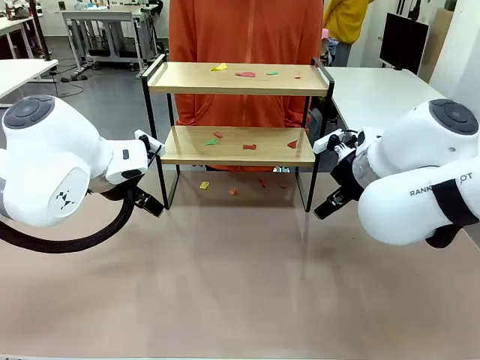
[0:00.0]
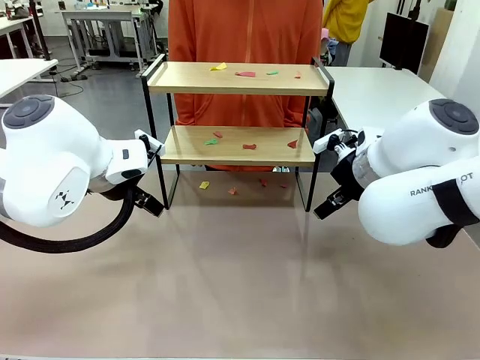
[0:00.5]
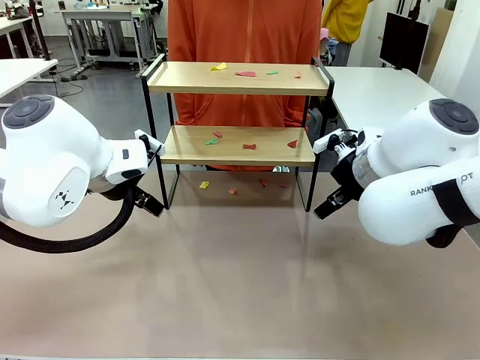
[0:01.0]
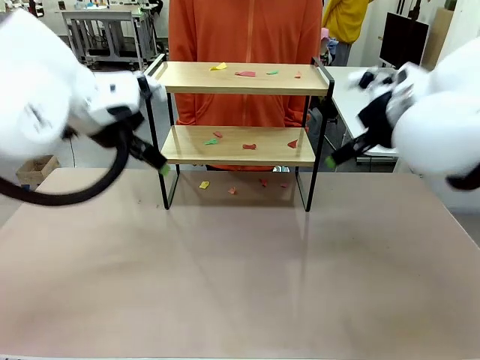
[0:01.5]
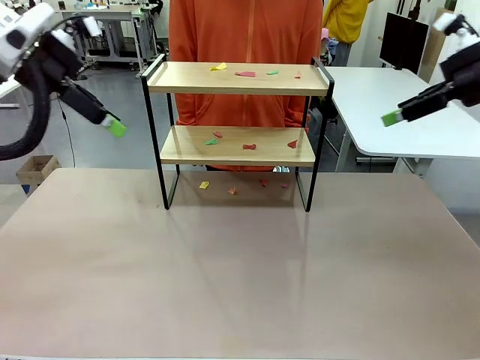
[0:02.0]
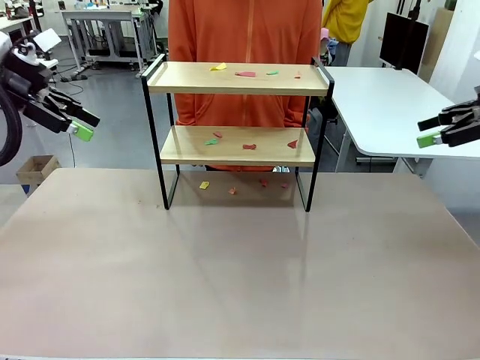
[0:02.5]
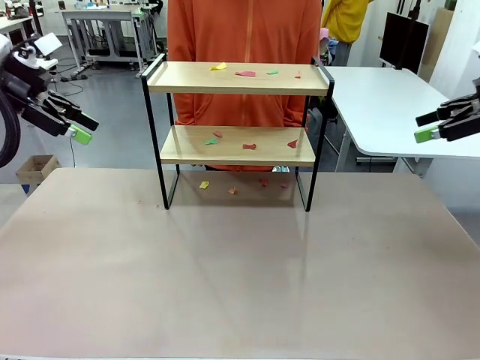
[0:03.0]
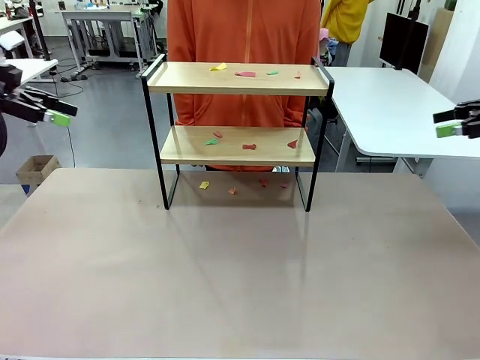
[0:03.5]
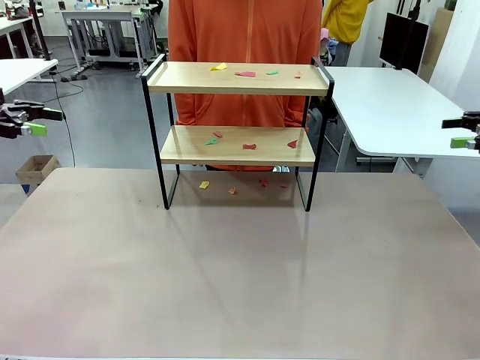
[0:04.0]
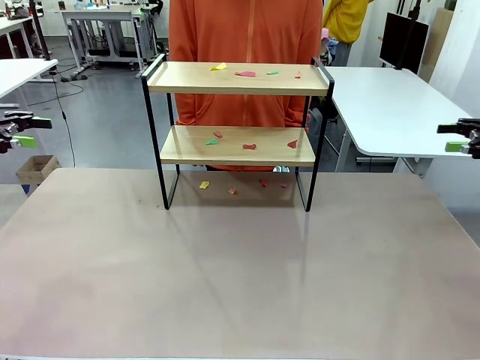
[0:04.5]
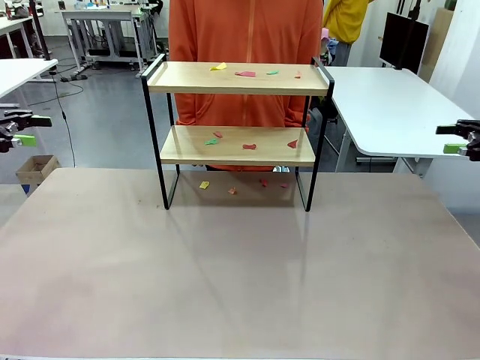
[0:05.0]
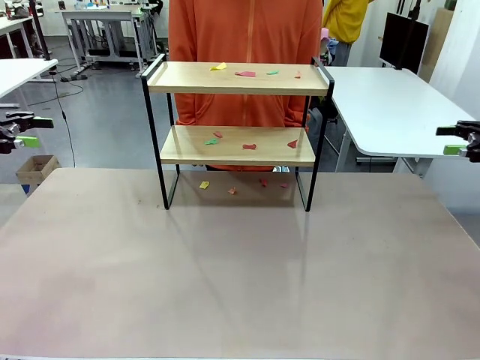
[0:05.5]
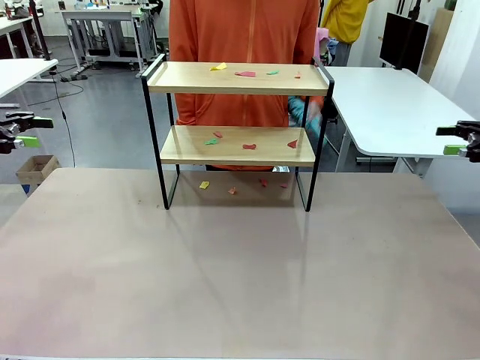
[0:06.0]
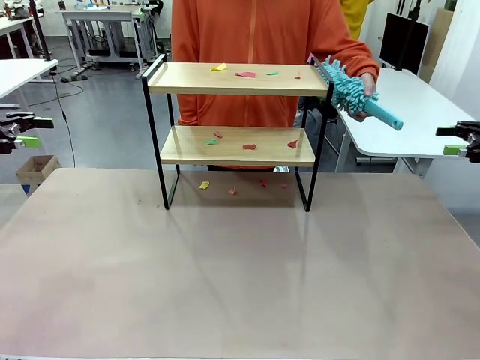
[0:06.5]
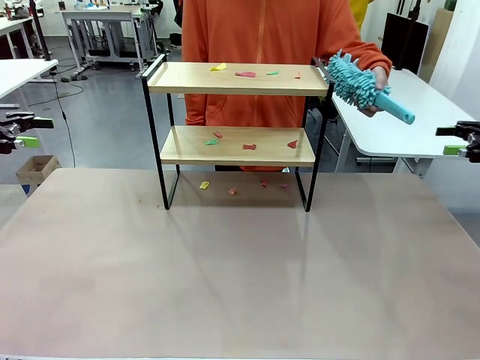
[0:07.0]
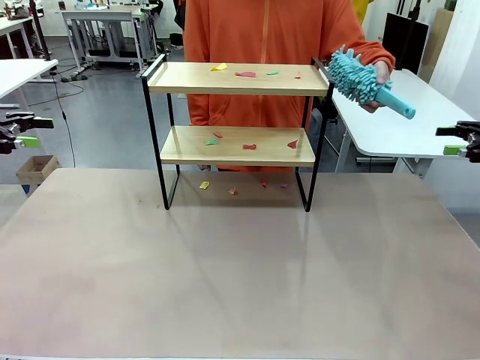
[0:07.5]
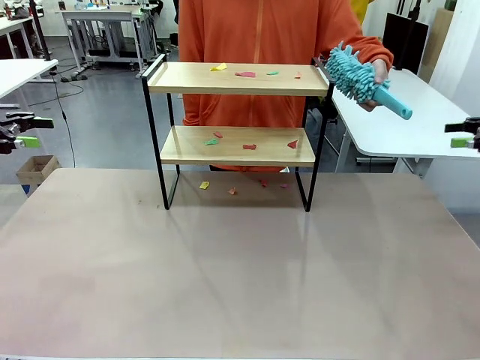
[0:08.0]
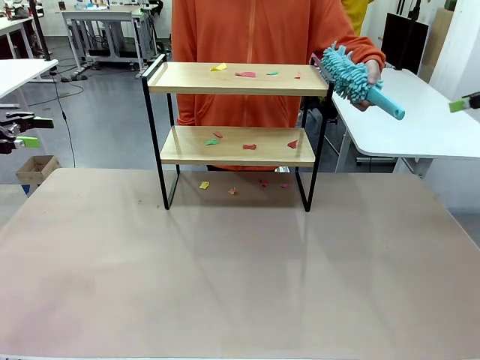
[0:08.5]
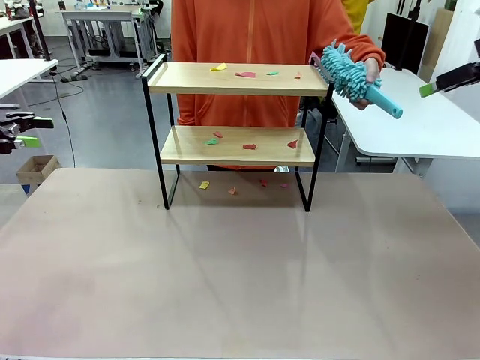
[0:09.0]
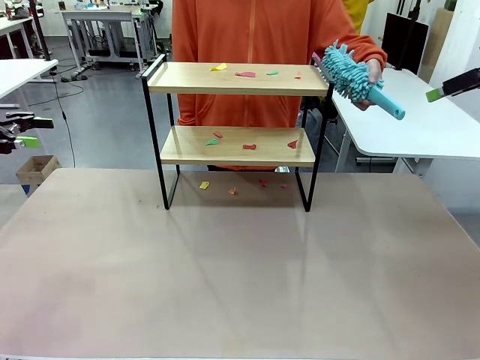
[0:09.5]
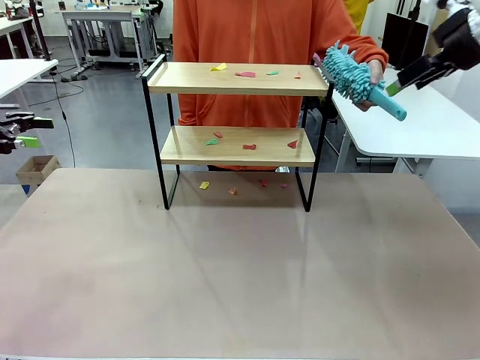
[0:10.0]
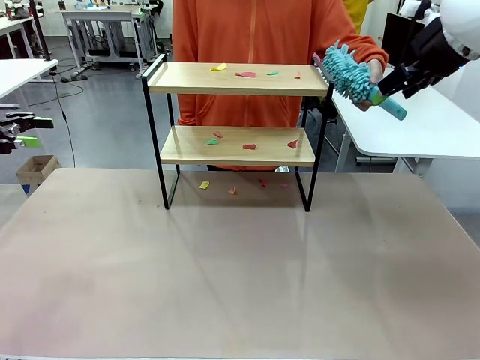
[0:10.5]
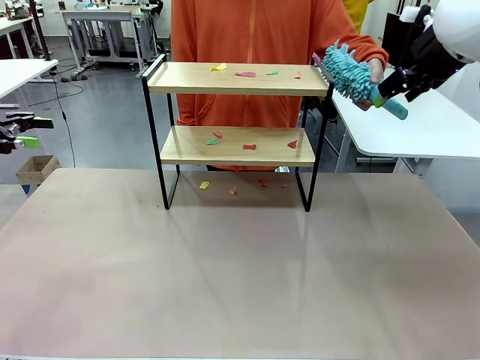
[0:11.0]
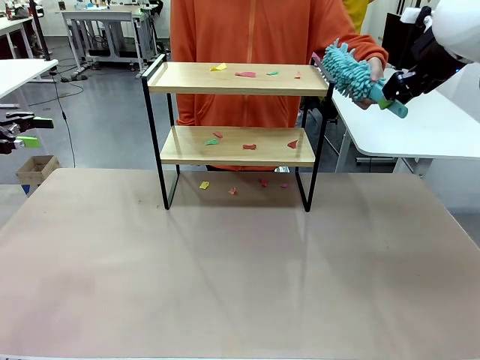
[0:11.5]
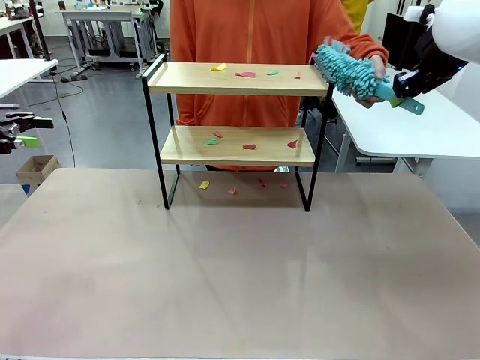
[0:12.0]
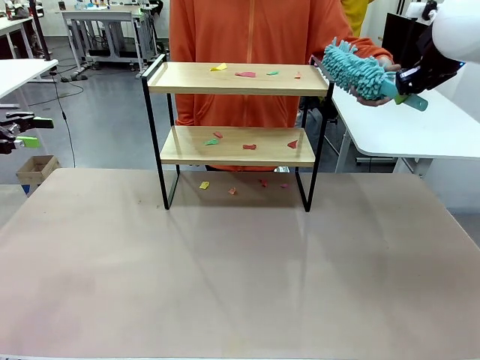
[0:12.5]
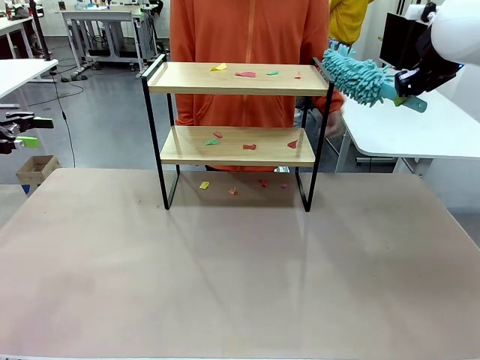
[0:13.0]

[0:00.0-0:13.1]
Task: Clean the shelf.
Robot: Pick up the Duster handed by the human.
Person: Hand the Duster to the robot.

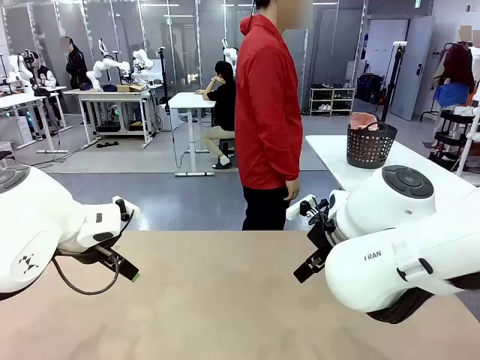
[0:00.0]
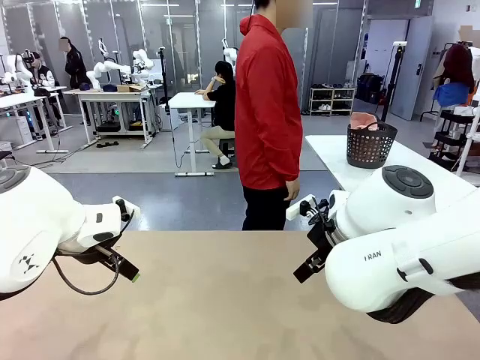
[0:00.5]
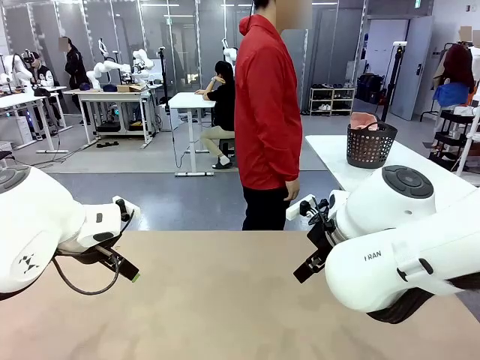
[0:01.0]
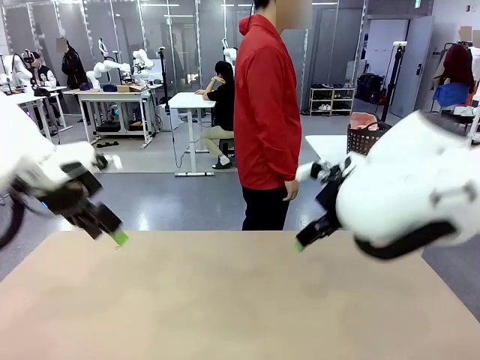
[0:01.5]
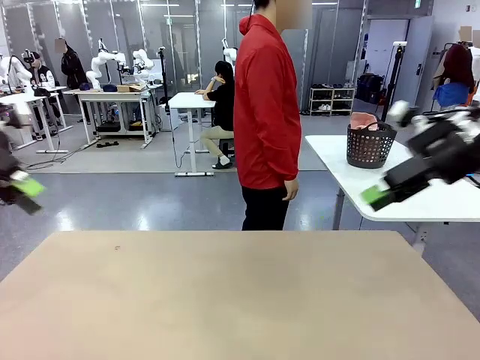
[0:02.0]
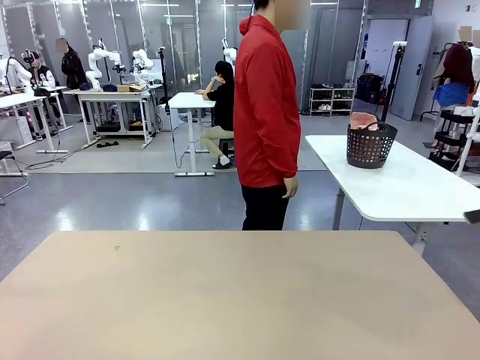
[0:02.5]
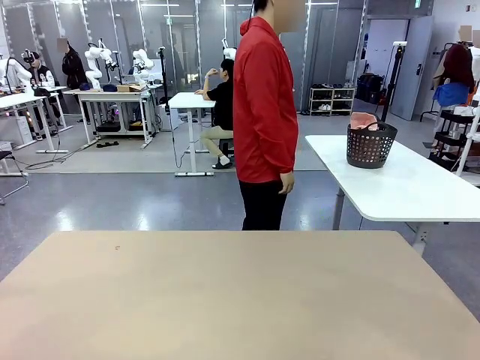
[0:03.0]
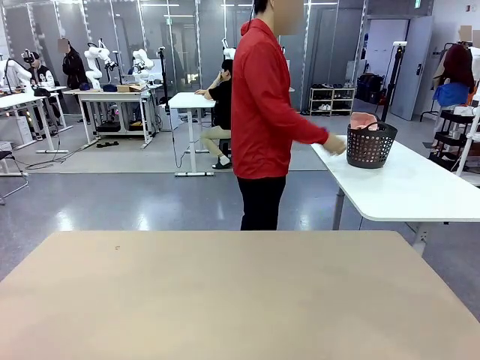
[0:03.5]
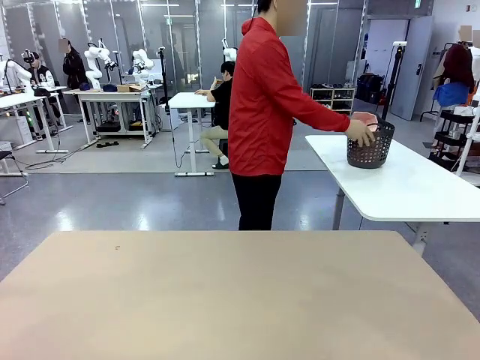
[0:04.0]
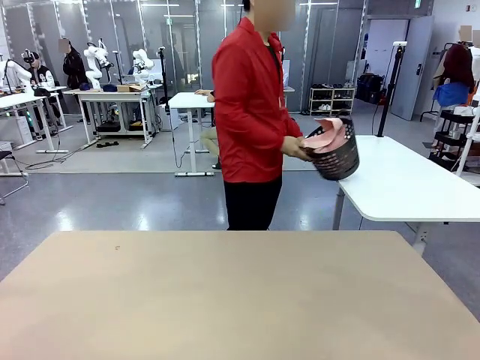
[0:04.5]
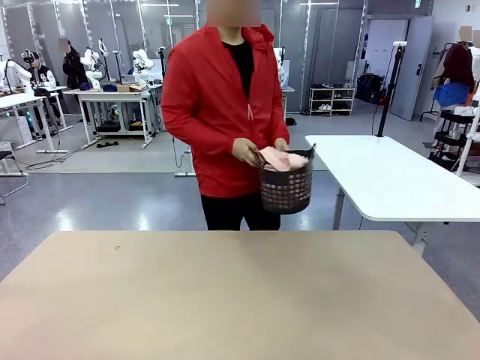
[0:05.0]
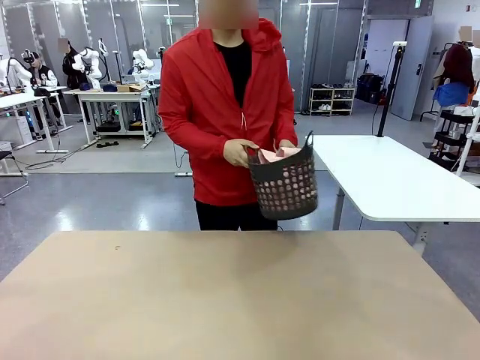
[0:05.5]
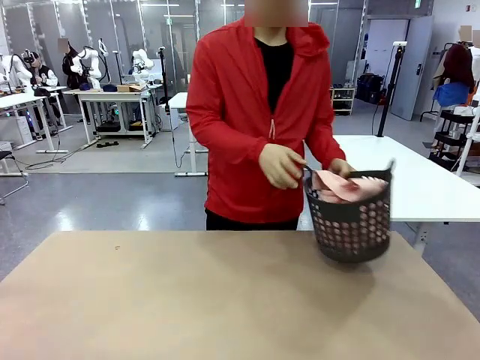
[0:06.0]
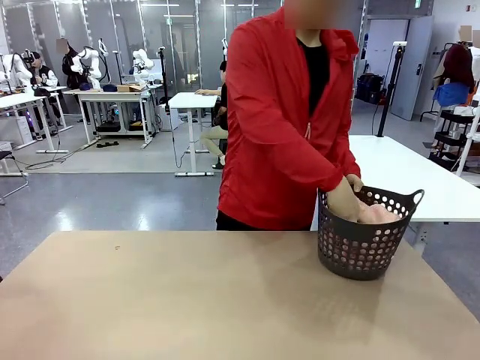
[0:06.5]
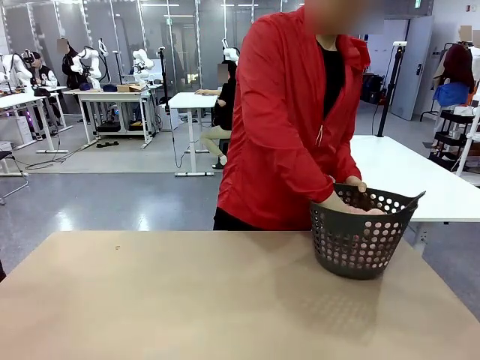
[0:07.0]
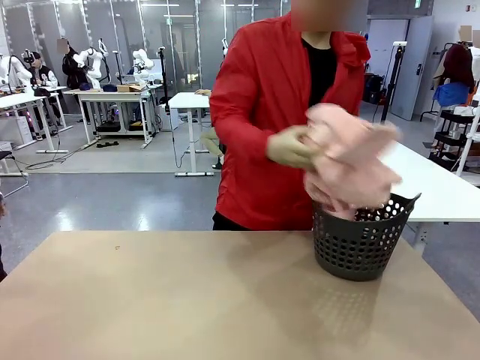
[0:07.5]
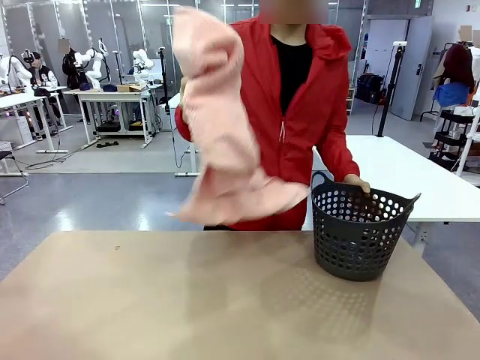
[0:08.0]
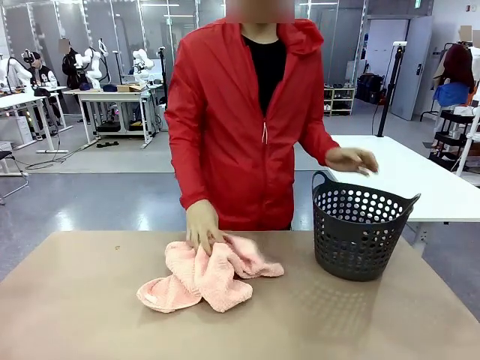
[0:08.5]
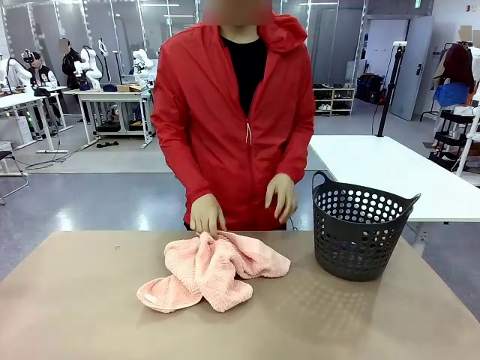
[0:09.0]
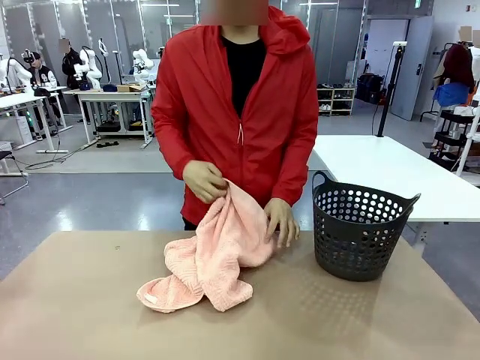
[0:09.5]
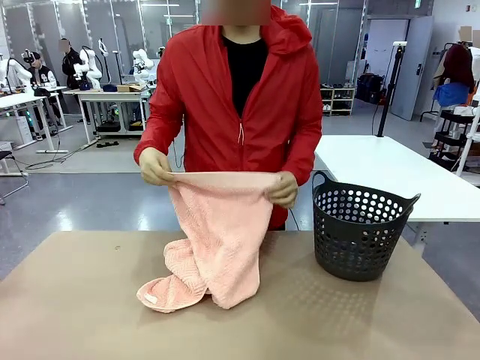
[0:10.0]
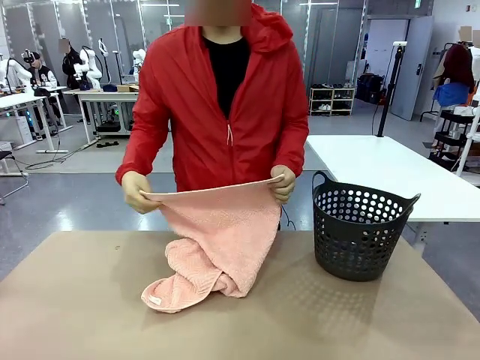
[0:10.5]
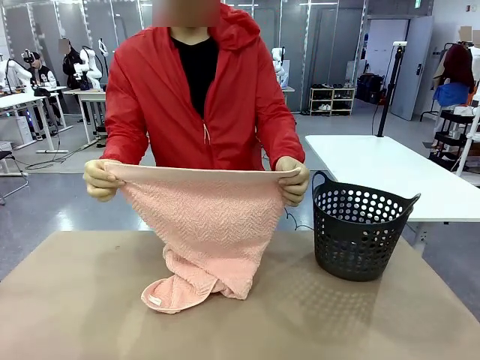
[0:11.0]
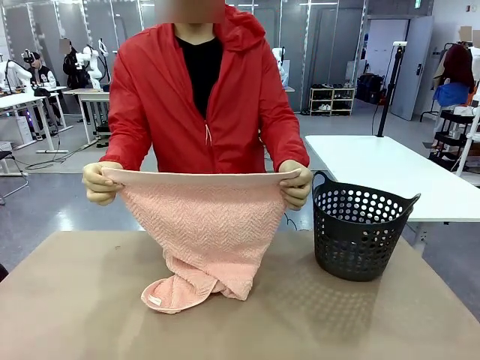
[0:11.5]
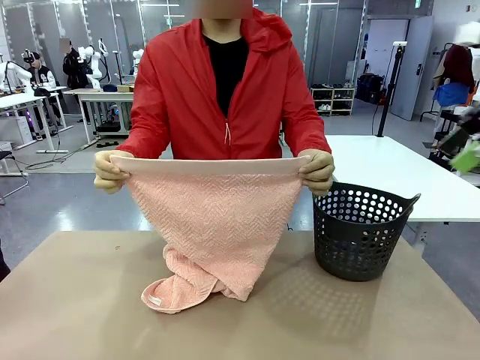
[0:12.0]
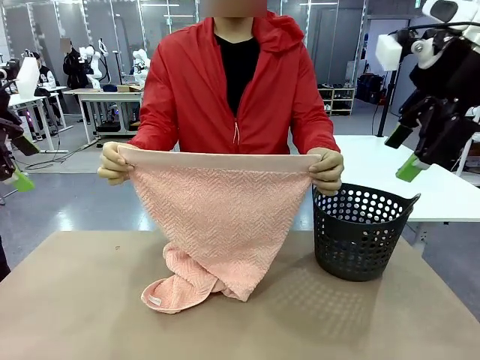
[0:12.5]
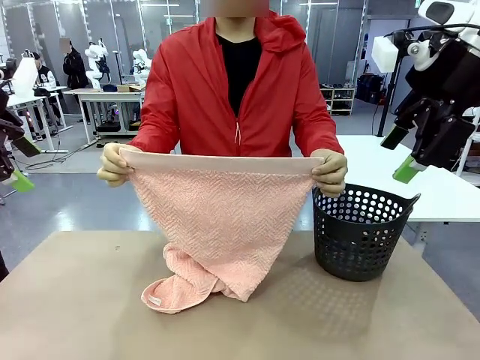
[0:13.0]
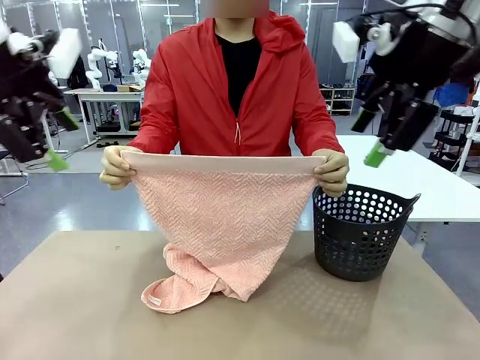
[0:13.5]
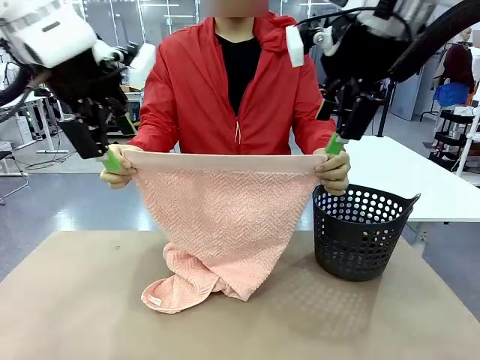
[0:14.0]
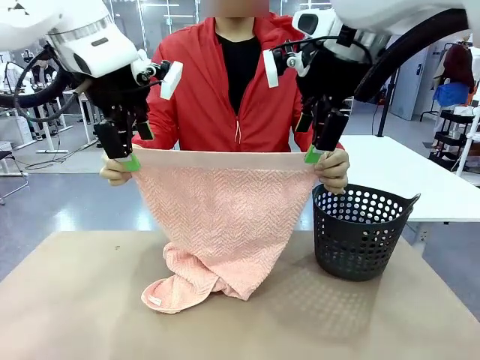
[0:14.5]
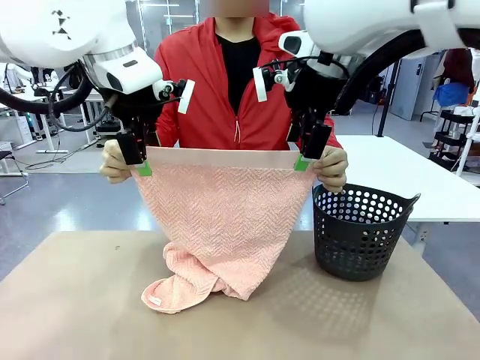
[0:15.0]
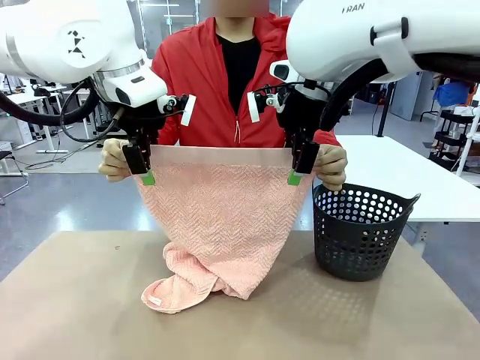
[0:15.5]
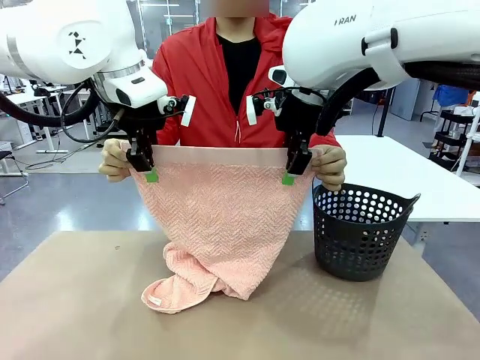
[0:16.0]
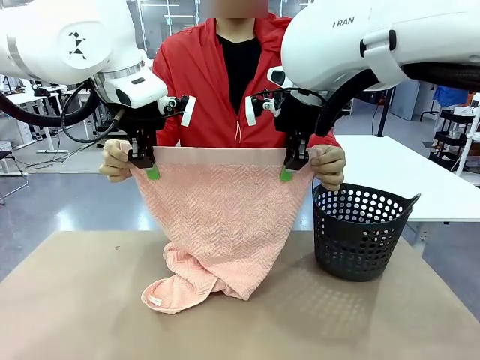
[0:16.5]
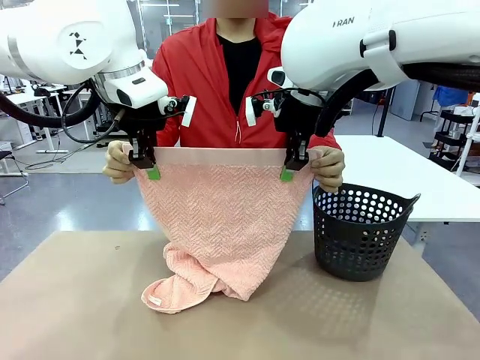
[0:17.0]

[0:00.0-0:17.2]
Task: Fold the towel.
Robot: Grab the top end of the 100 cm Hotel Towel extended by the human.
Person: Pick up the laundry basket, place it on the left side of the robot table, then take out a towel and hand it to the robot while holding both corners of one end.
